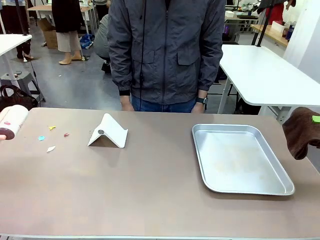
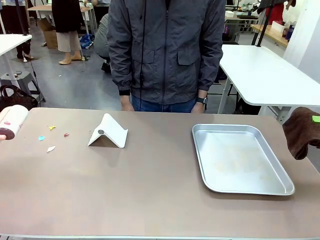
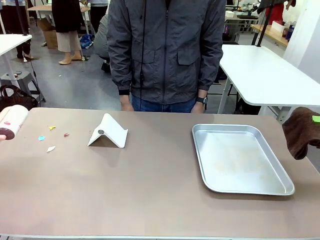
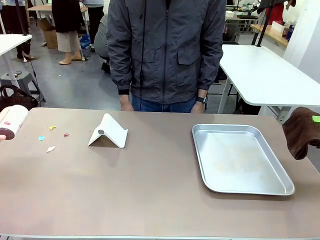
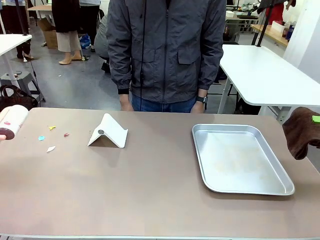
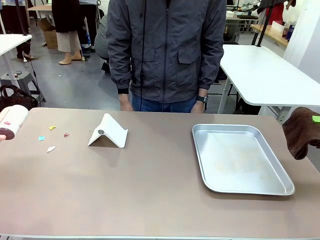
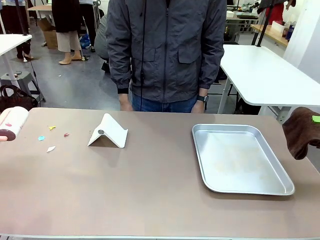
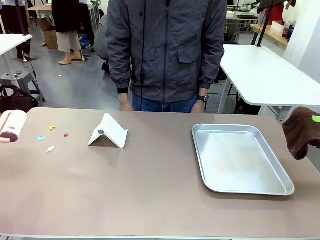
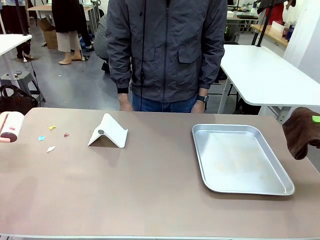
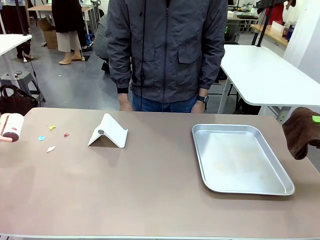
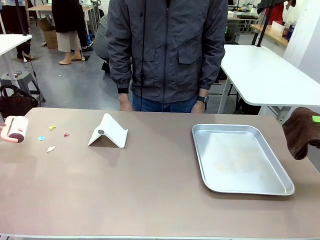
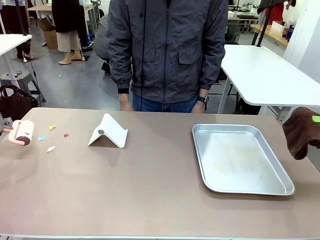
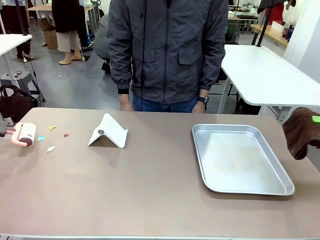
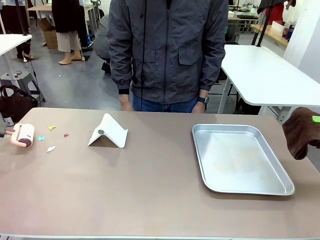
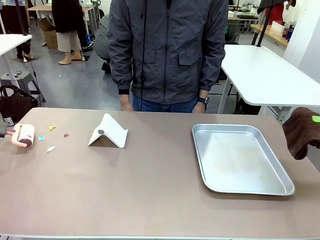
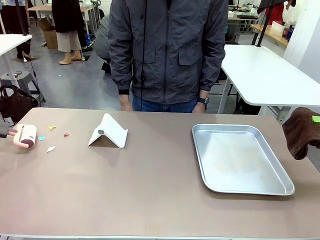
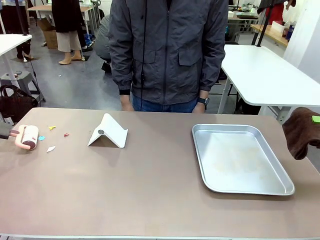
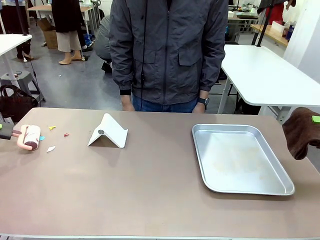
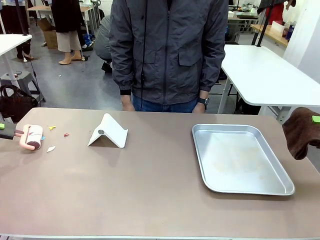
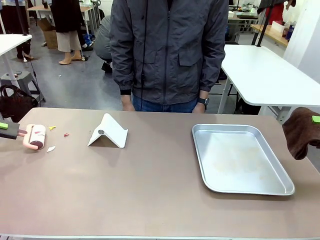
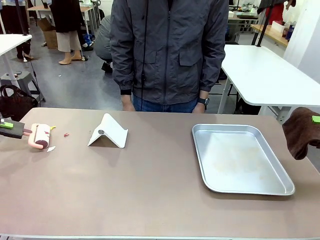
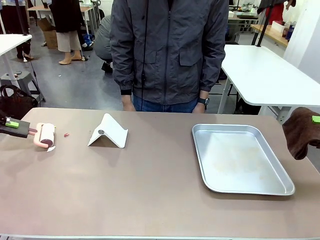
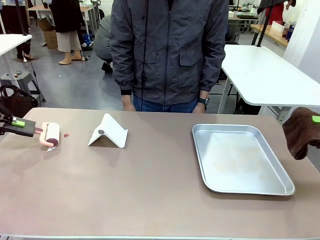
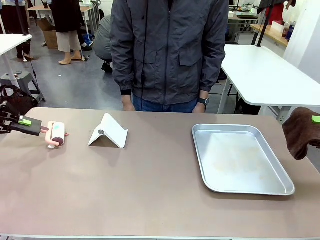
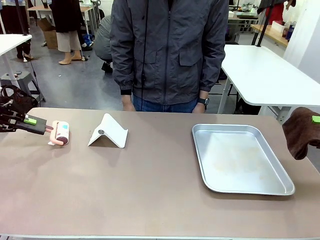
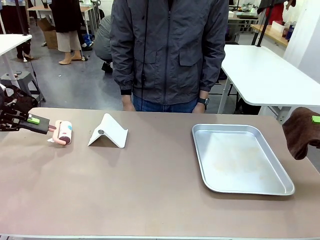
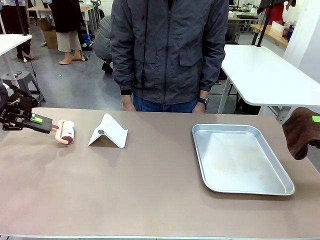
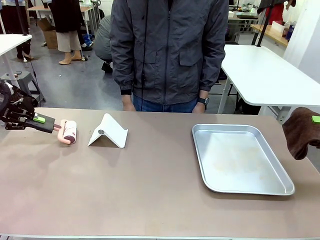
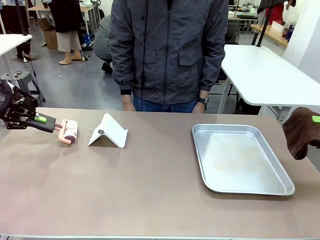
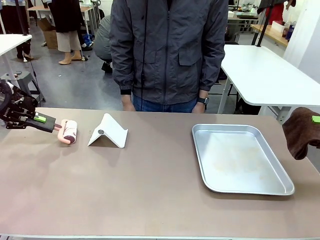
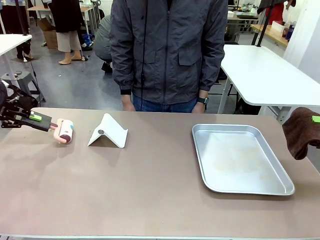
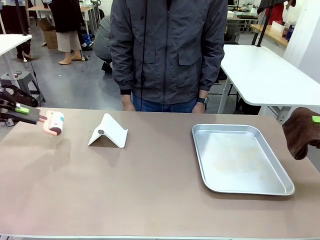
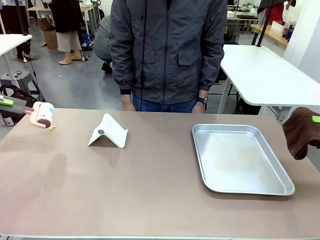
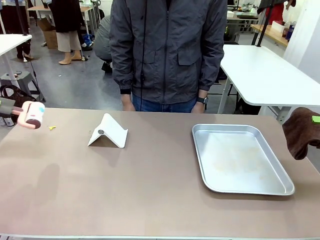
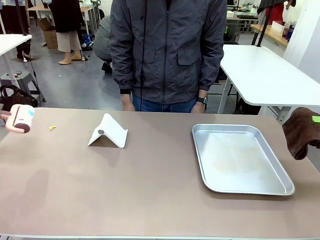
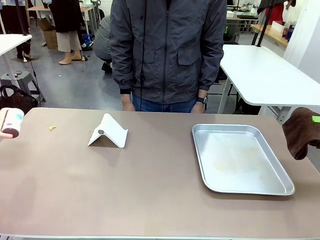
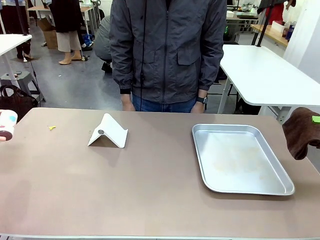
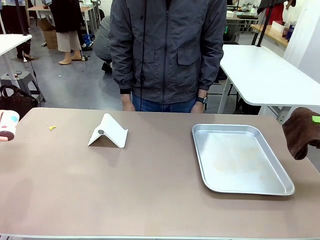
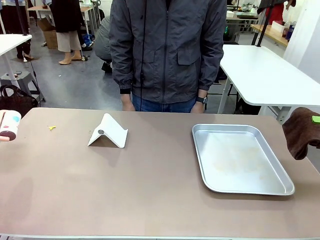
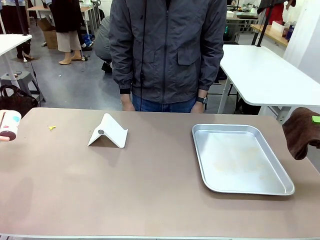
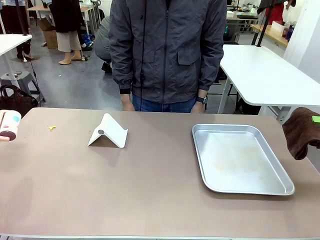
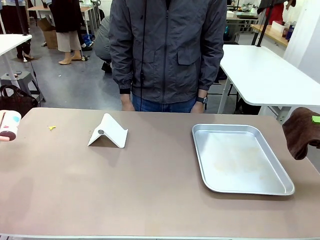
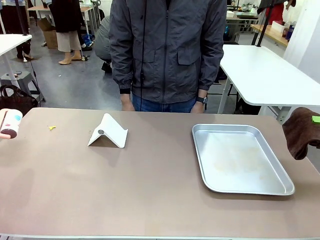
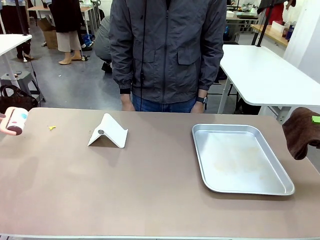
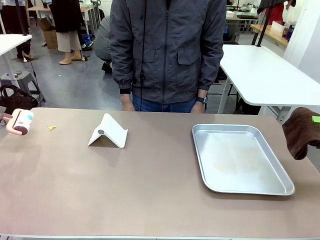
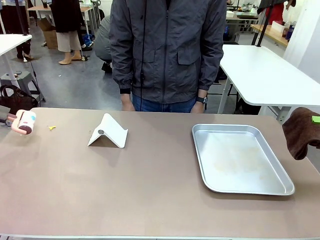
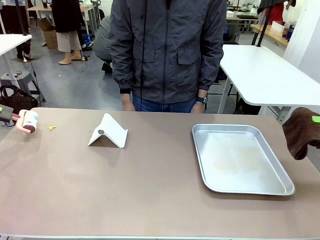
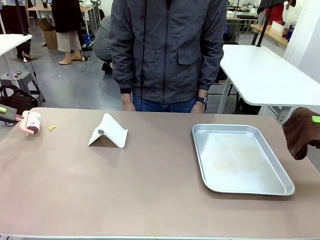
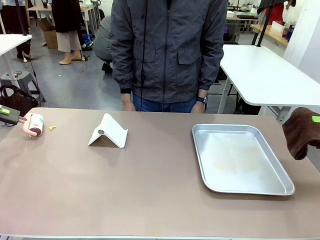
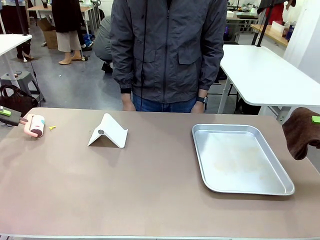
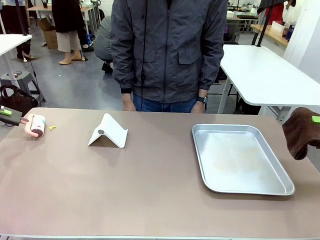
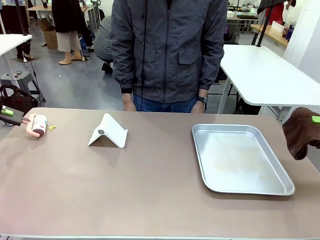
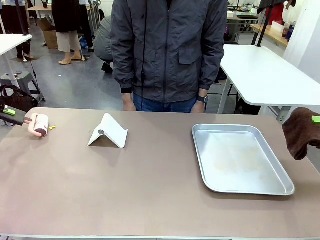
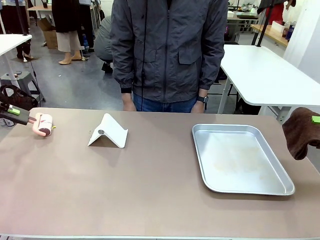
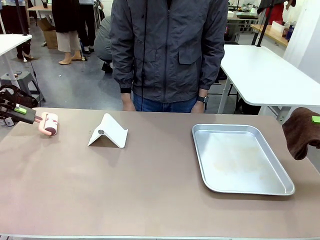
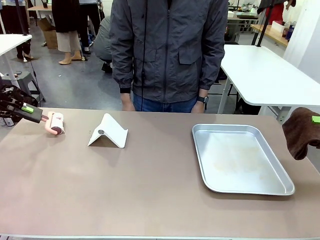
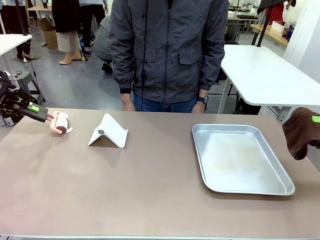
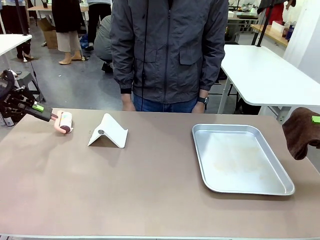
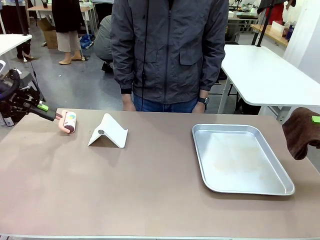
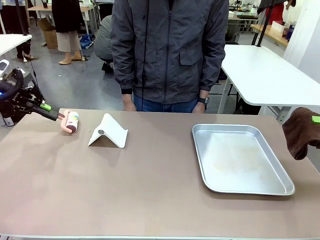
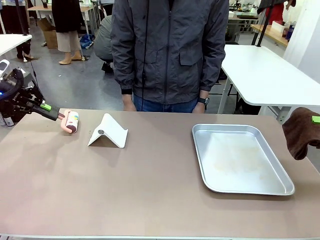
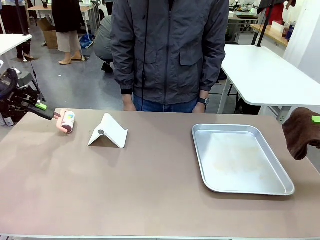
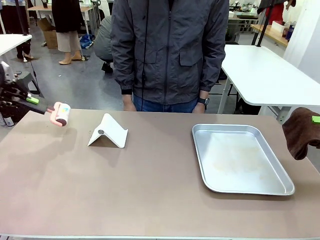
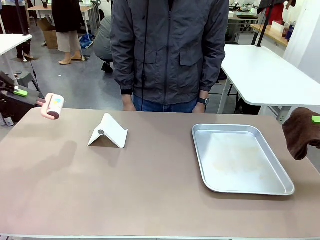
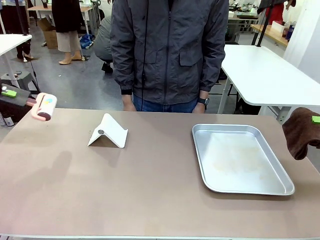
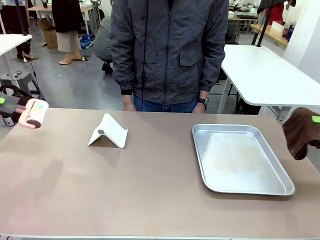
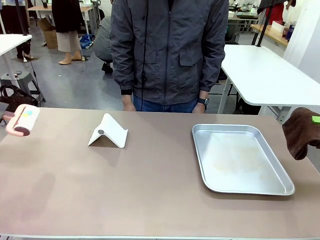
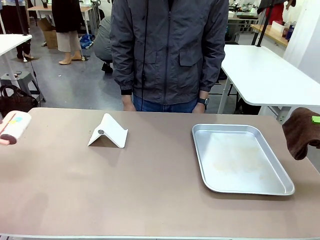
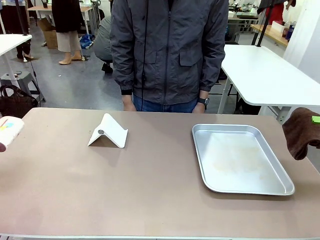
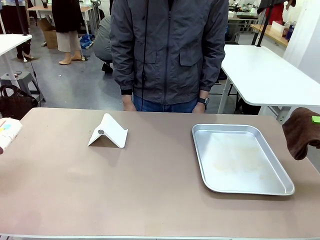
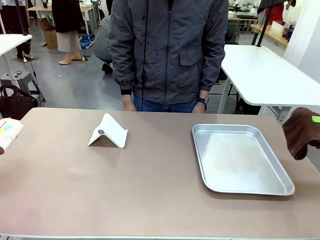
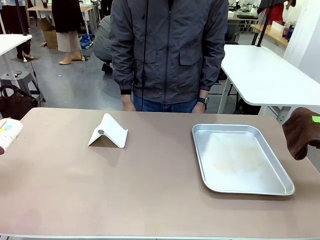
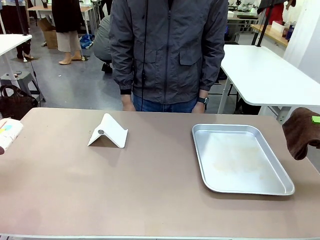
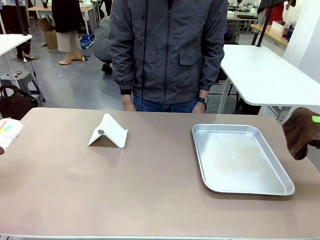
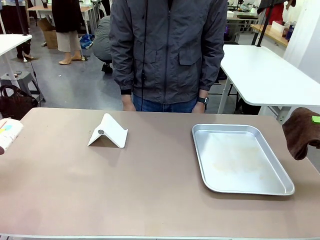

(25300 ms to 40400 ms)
Task: Clean the surface of the table.
Robot: Clean the area not pointed to by the person.

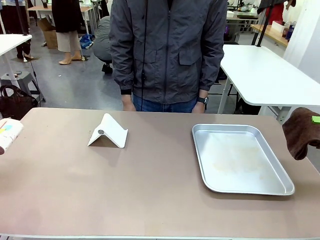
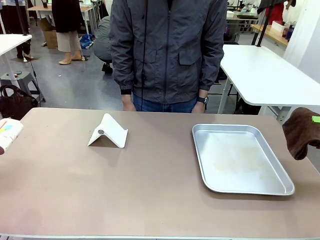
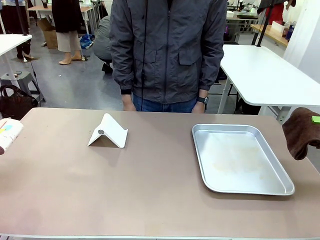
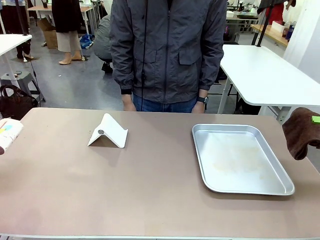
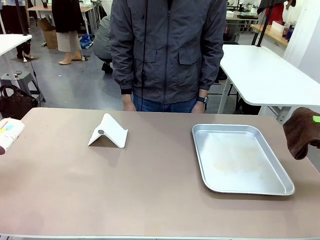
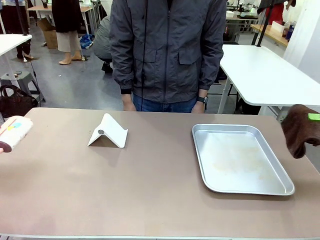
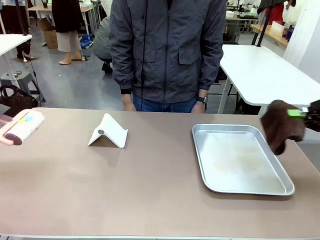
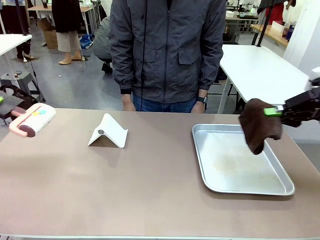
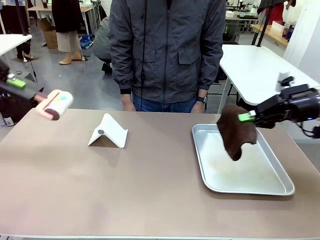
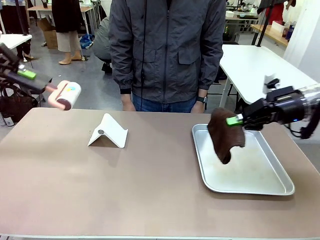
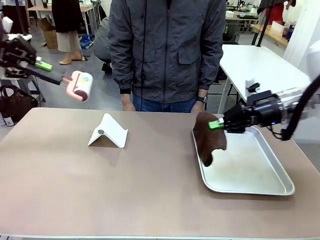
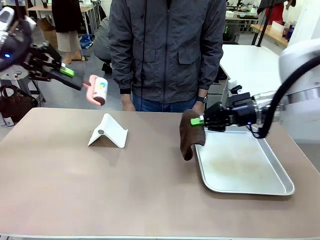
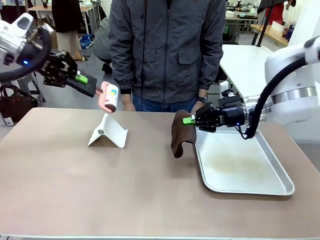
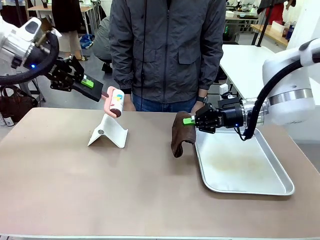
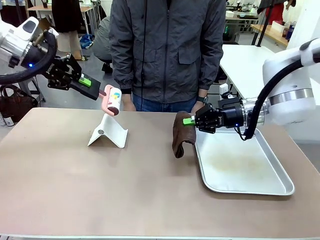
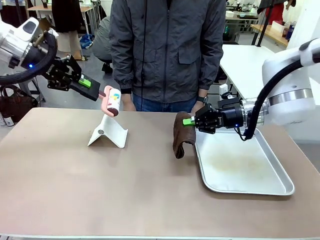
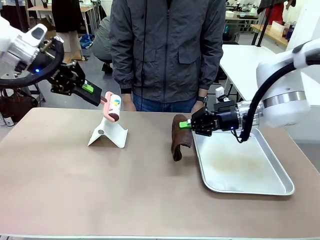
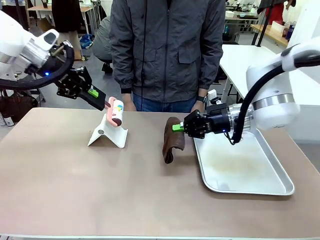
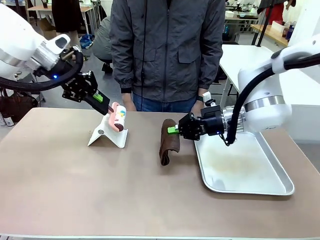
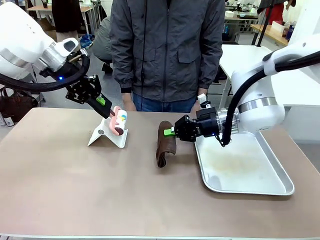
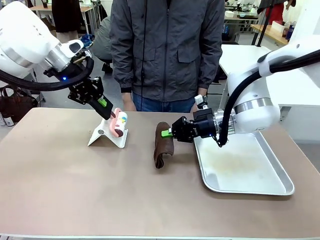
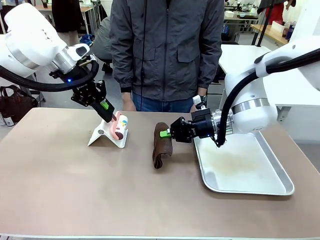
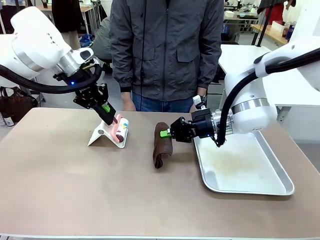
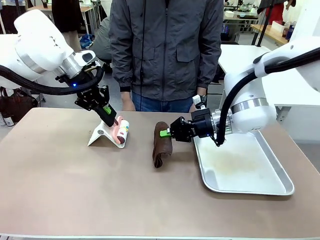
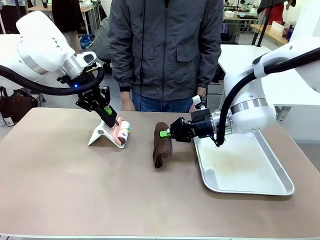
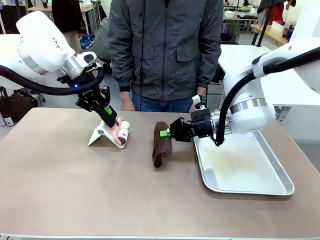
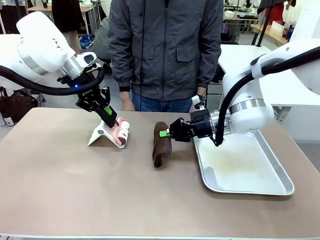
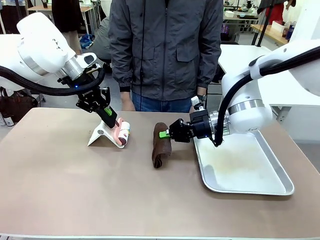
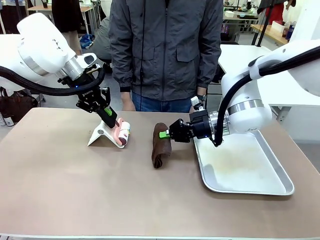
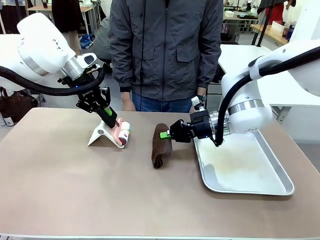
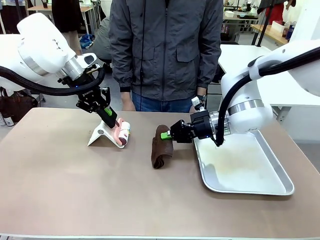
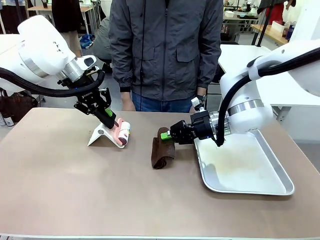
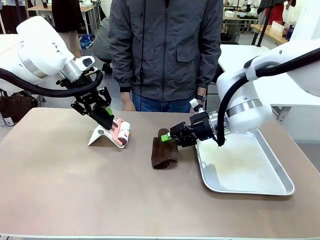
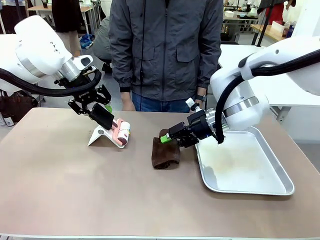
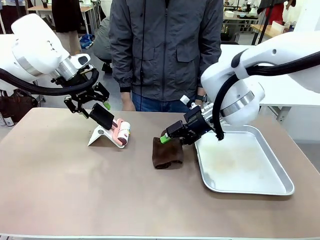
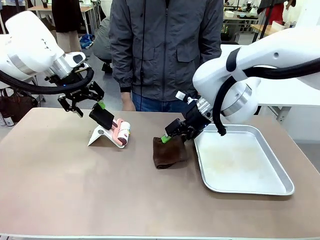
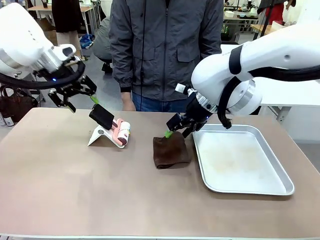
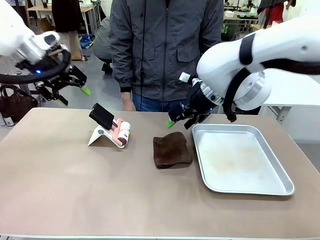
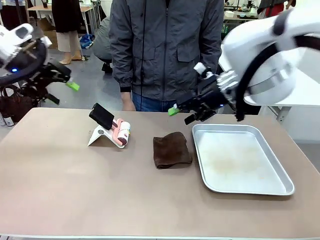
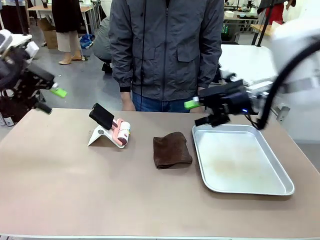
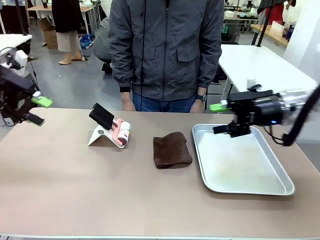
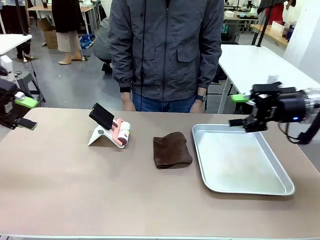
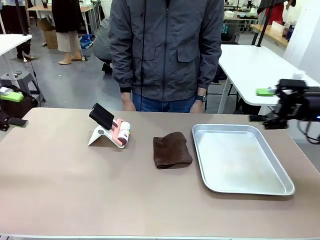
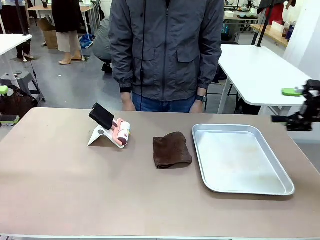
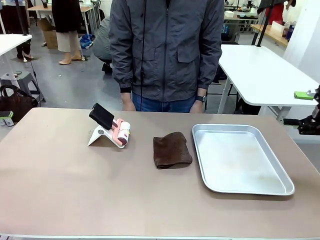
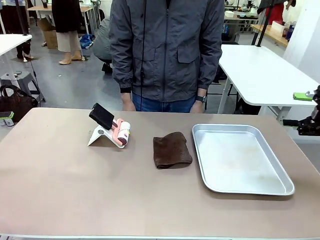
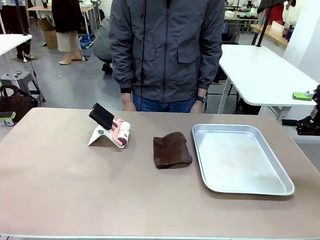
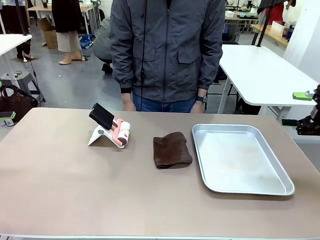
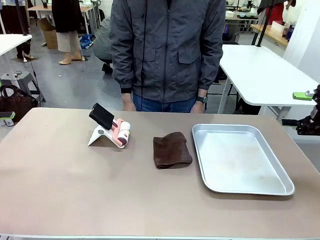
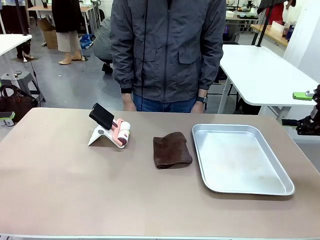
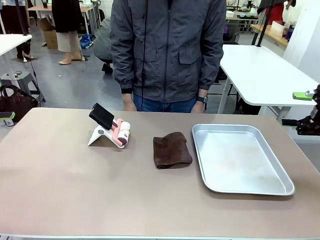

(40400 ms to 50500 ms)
Robot: Return the Lint Roller and towel to their original positions.
